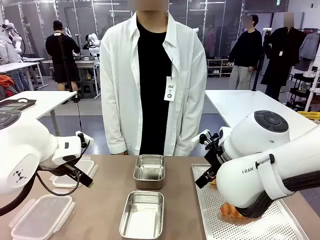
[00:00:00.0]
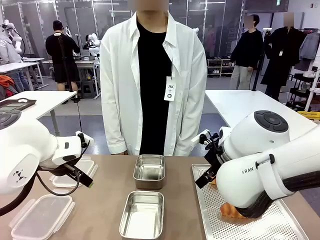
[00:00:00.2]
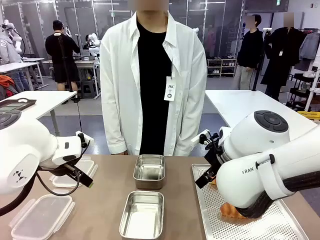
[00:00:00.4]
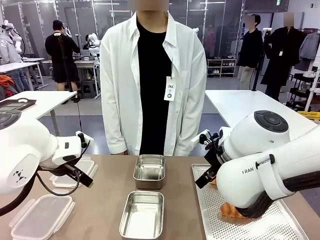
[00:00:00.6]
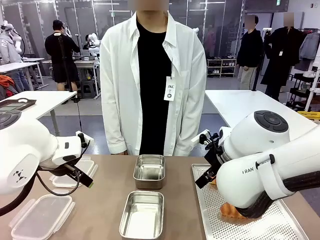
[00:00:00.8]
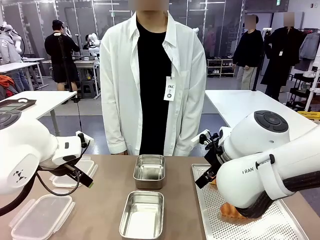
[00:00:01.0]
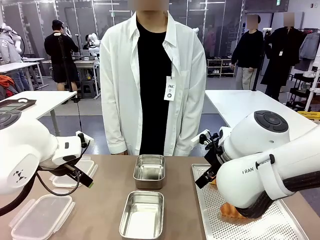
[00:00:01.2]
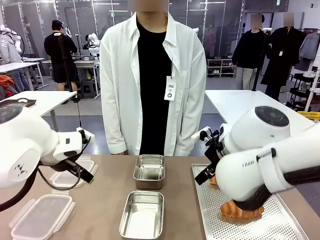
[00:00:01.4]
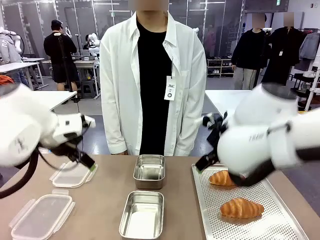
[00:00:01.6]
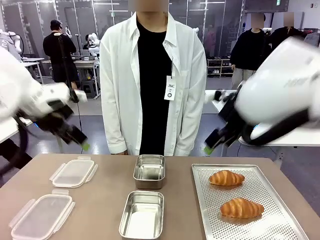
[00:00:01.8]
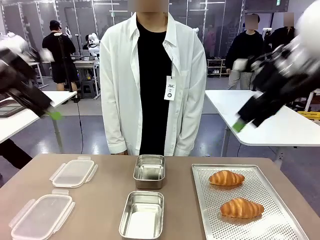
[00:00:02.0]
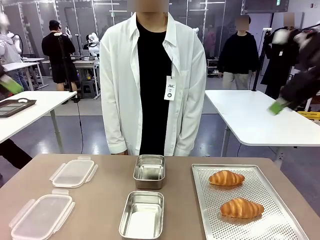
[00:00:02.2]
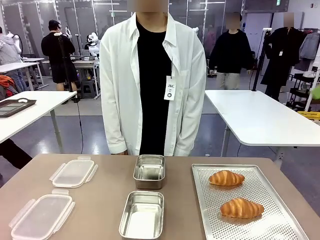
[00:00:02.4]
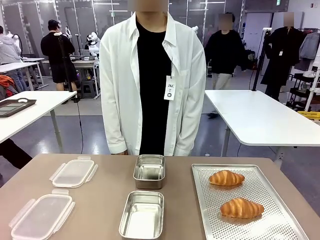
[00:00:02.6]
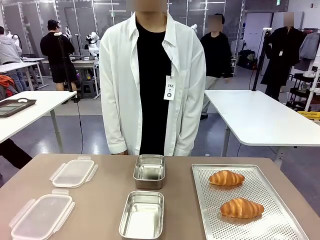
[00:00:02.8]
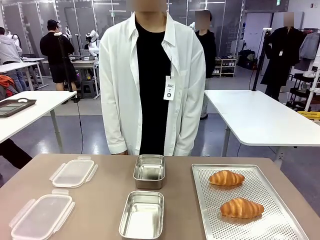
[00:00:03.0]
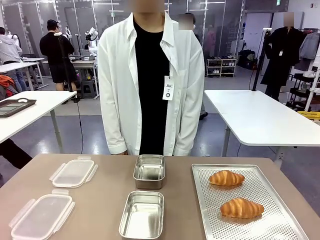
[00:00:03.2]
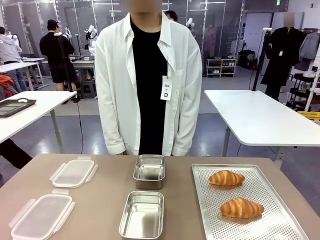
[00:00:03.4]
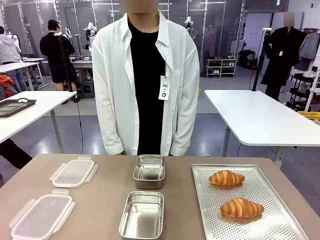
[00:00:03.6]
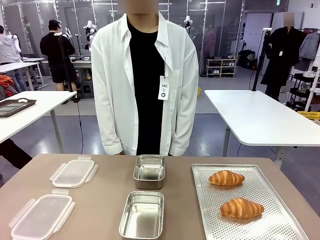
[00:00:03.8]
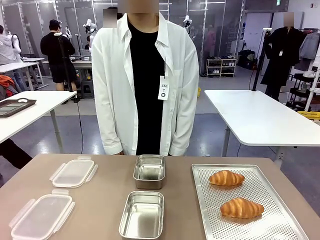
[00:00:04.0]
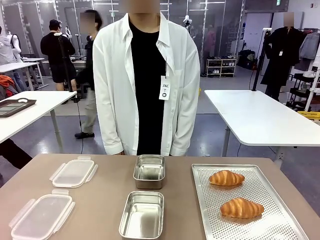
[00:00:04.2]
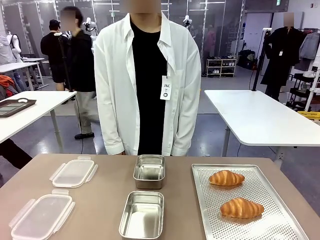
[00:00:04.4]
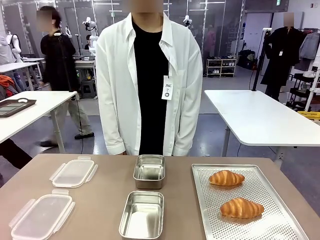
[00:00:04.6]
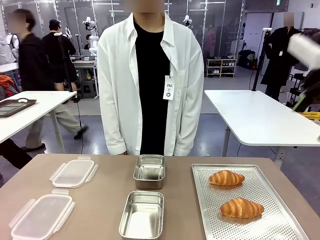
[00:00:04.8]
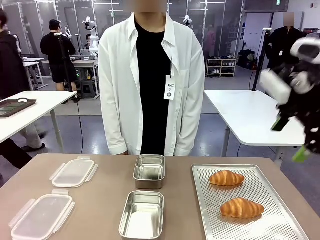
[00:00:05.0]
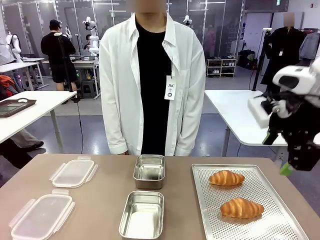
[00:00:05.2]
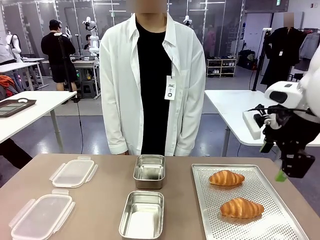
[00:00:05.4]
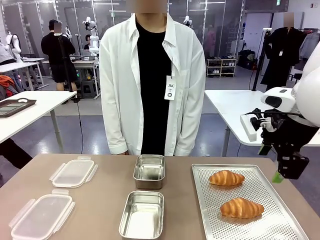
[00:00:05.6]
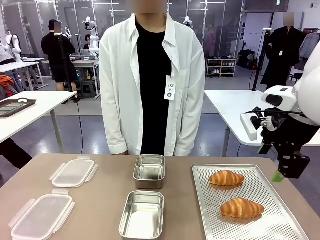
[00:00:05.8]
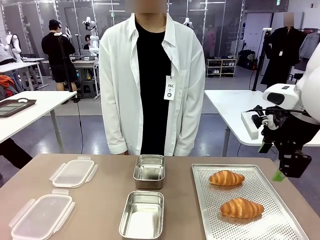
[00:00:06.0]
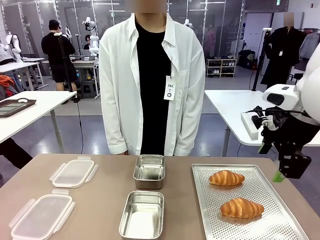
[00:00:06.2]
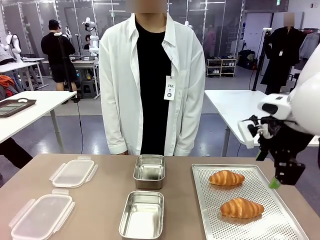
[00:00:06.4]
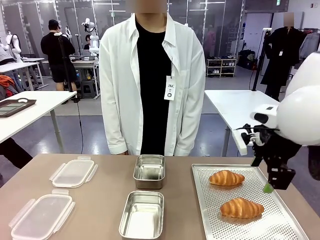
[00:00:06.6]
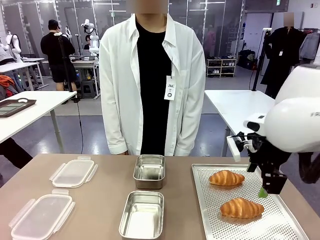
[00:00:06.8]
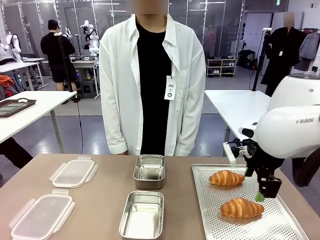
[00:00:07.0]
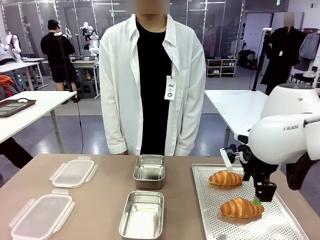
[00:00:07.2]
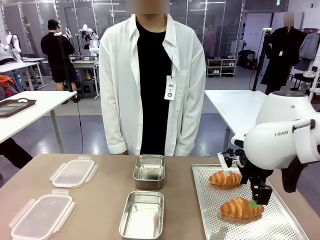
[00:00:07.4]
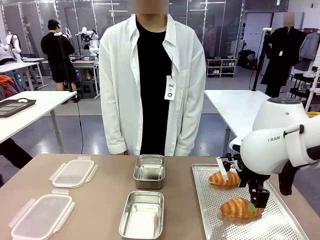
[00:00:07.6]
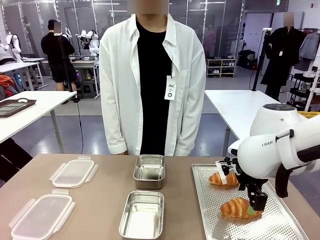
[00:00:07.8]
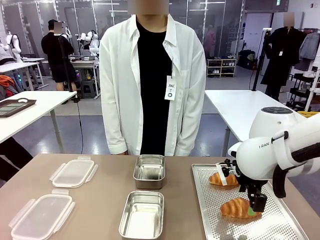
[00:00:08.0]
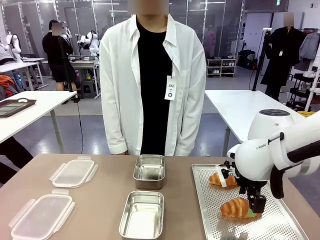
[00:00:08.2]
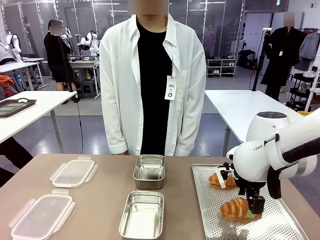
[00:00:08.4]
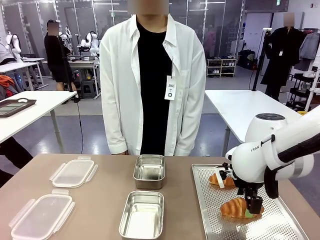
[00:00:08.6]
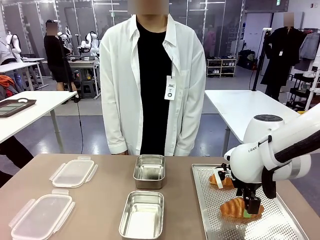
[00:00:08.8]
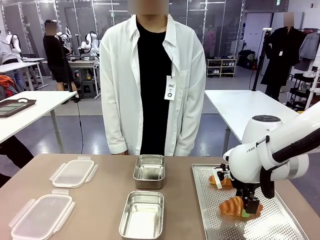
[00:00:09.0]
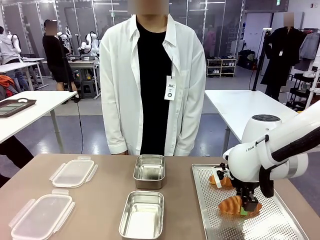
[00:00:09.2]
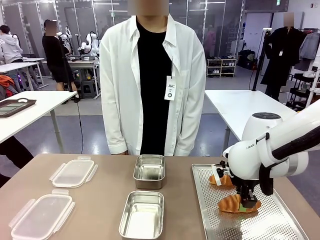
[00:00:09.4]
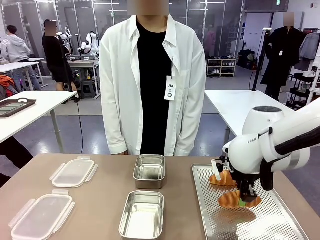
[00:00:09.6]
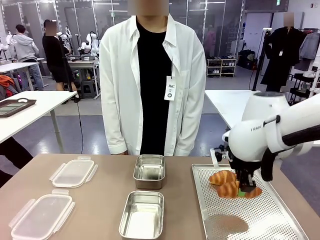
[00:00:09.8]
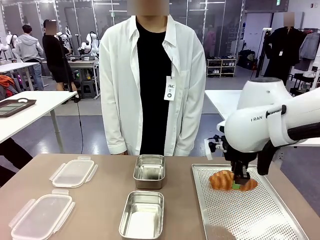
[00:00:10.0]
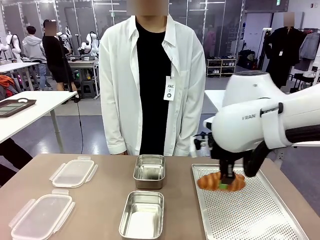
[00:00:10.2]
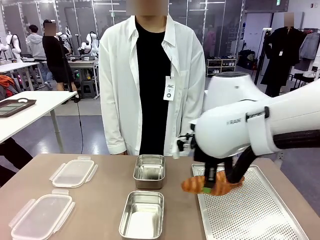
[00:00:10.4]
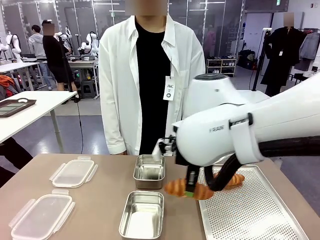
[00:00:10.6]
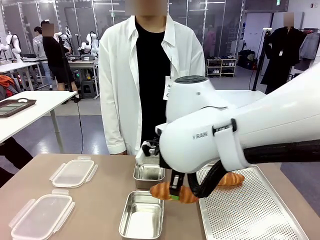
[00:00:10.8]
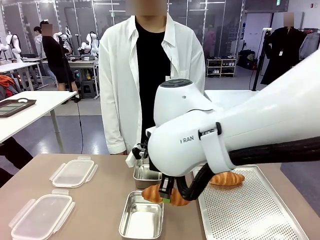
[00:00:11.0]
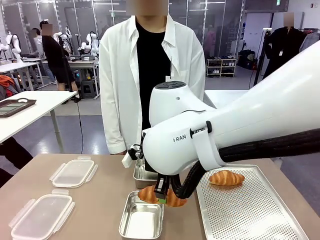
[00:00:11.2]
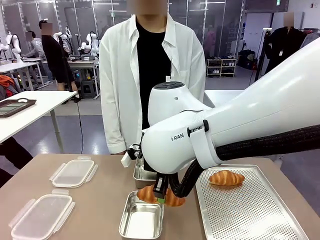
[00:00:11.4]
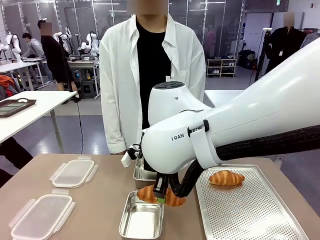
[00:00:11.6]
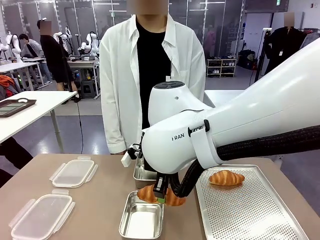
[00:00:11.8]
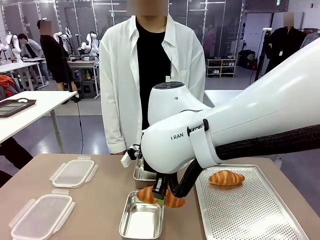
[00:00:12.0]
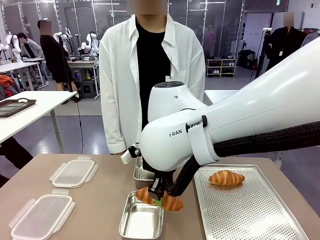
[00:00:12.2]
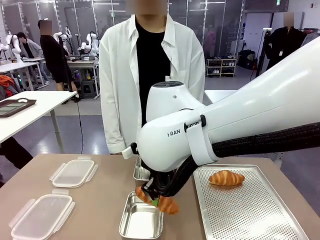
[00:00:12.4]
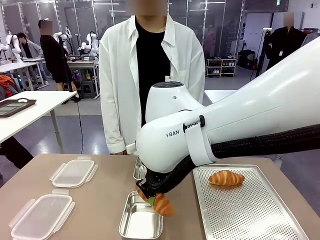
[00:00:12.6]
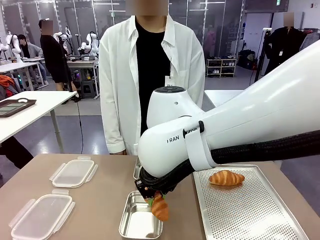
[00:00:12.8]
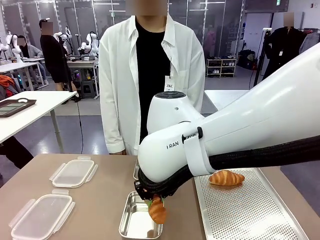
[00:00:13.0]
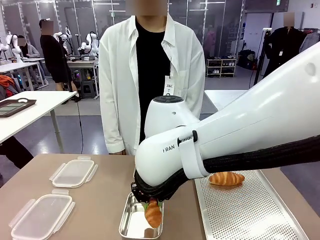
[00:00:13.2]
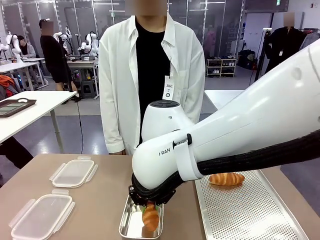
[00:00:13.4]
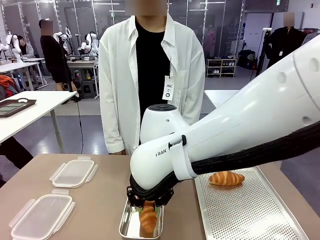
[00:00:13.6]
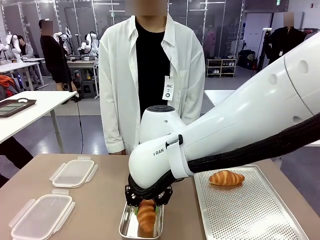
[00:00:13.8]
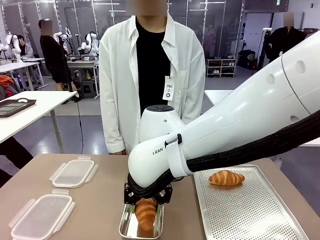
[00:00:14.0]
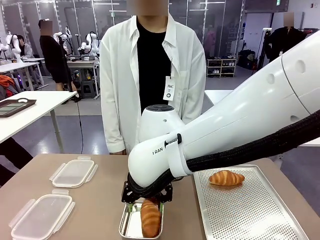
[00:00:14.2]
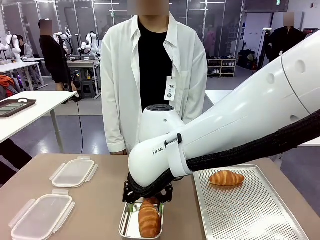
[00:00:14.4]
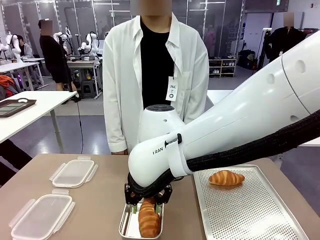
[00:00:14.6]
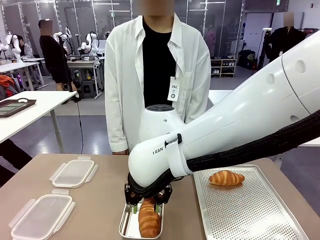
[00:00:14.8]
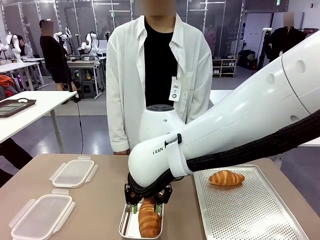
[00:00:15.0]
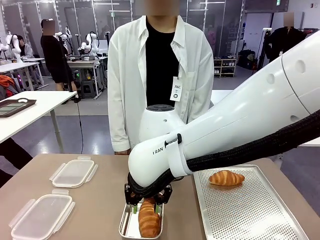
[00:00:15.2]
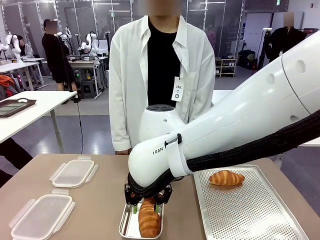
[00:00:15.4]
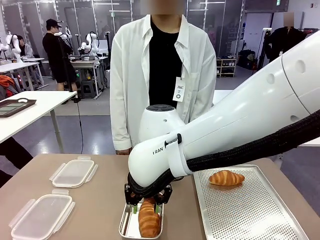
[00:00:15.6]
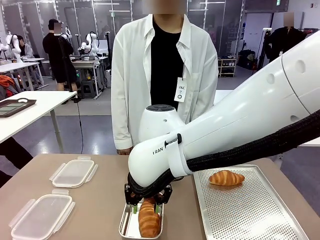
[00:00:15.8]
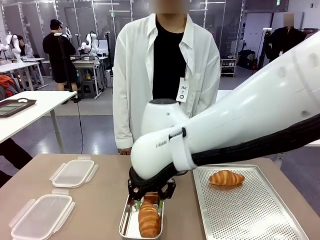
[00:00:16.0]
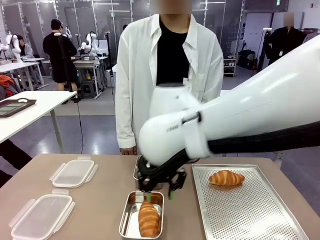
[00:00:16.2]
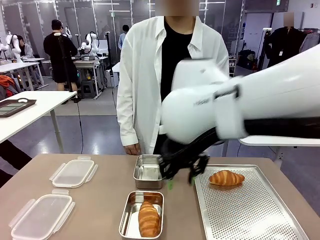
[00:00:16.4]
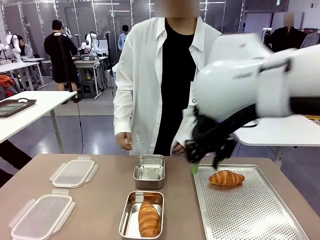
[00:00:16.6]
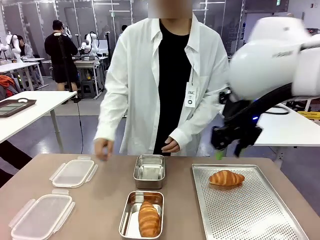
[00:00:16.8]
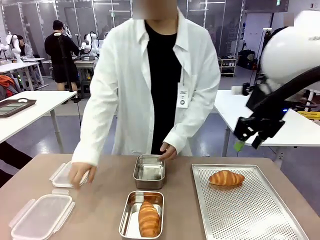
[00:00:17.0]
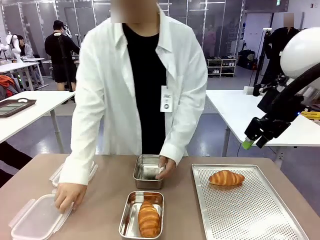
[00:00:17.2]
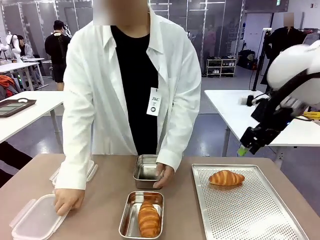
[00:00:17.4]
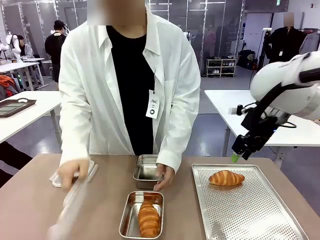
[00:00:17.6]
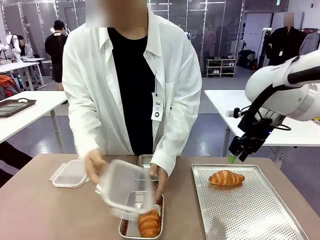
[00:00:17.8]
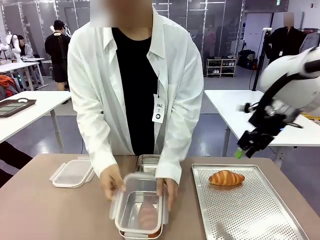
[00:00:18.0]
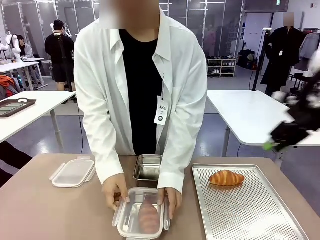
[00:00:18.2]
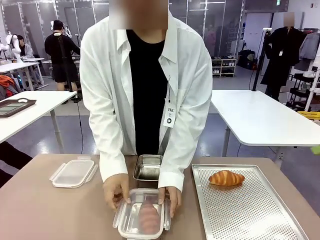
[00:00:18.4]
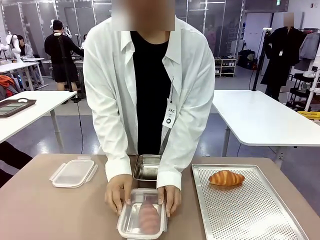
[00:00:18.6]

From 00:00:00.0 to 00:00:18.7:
Task: Place the bread into the airtight container.
Robot: Pick up a Butter Roll and place it into an empty Airtight Container.
